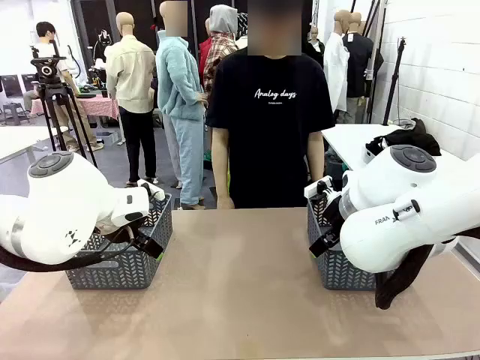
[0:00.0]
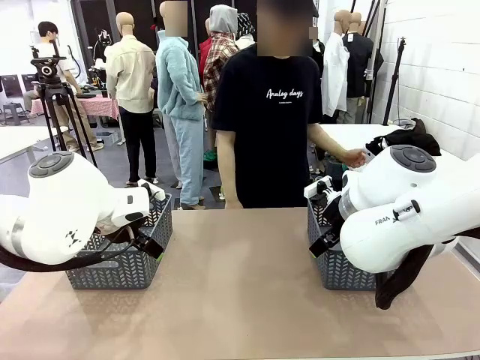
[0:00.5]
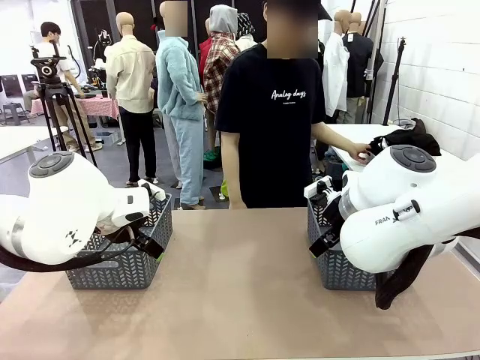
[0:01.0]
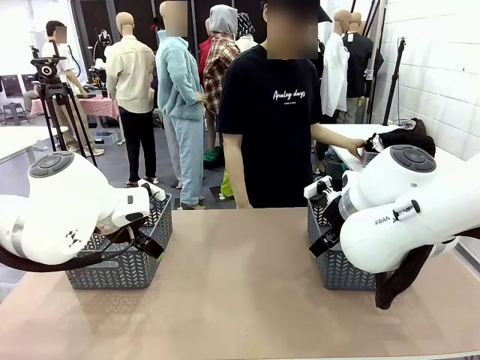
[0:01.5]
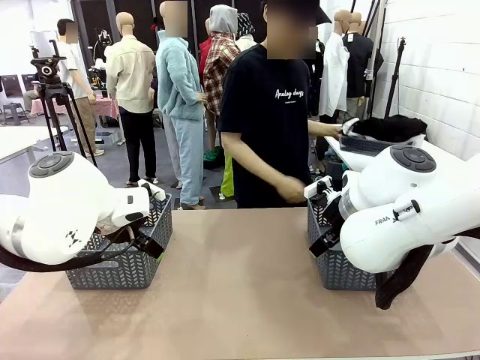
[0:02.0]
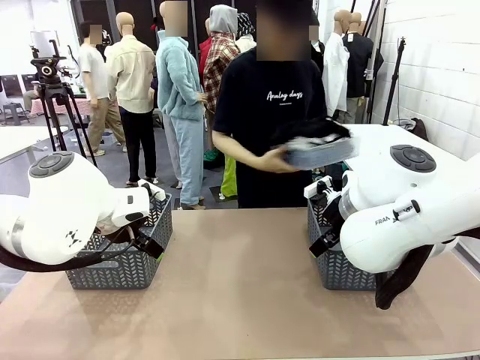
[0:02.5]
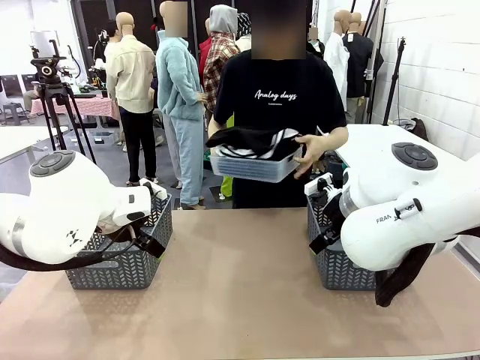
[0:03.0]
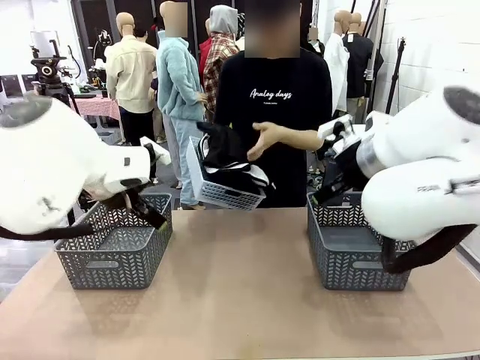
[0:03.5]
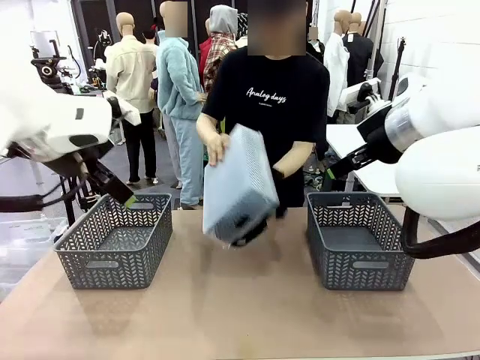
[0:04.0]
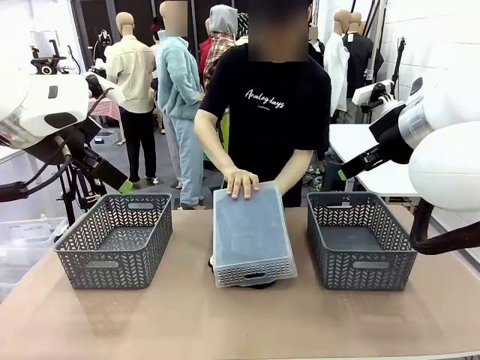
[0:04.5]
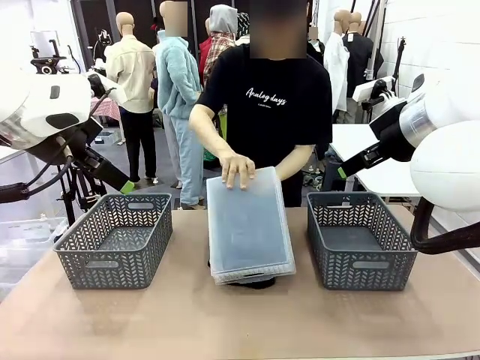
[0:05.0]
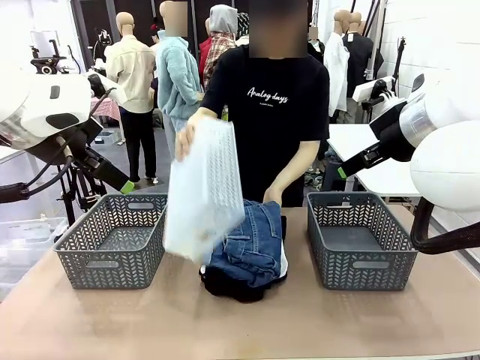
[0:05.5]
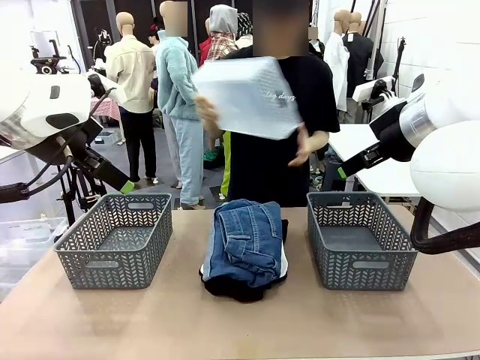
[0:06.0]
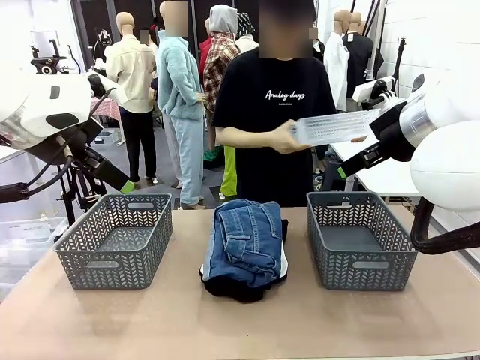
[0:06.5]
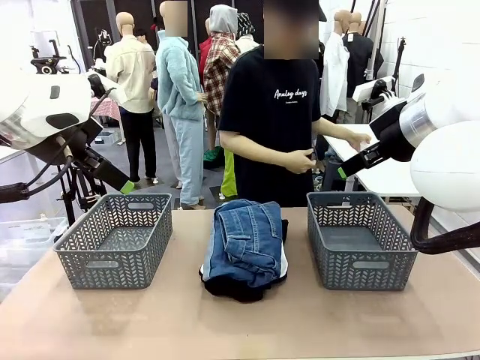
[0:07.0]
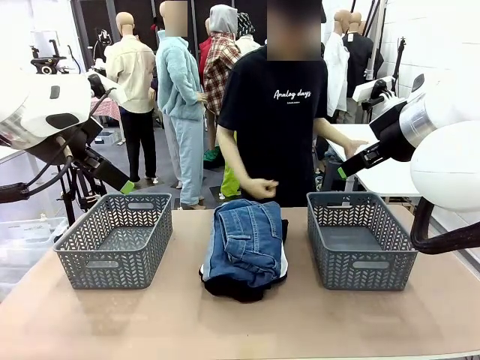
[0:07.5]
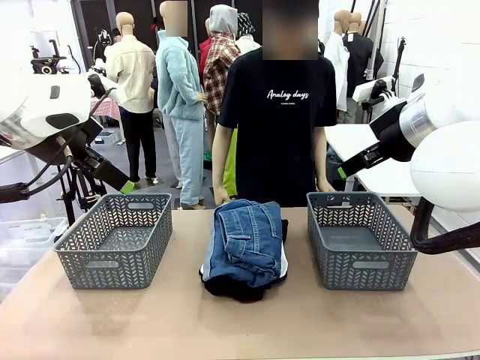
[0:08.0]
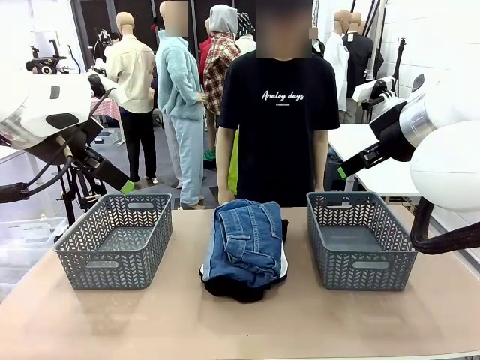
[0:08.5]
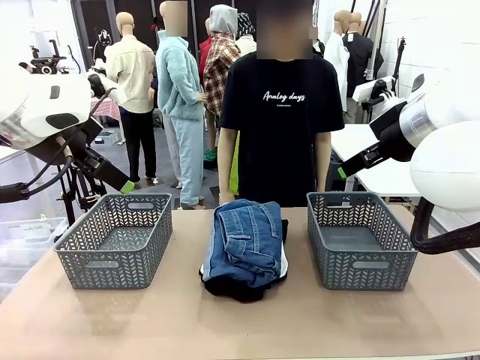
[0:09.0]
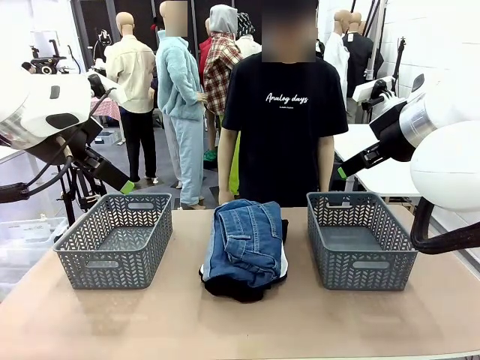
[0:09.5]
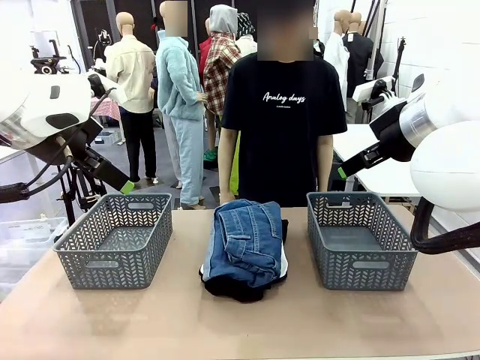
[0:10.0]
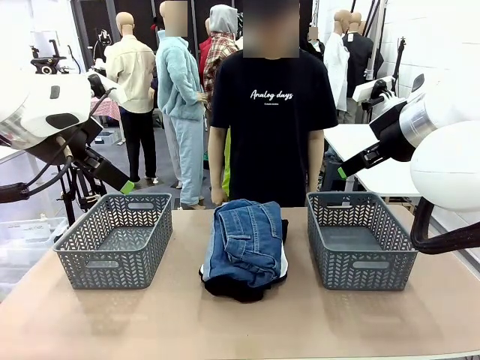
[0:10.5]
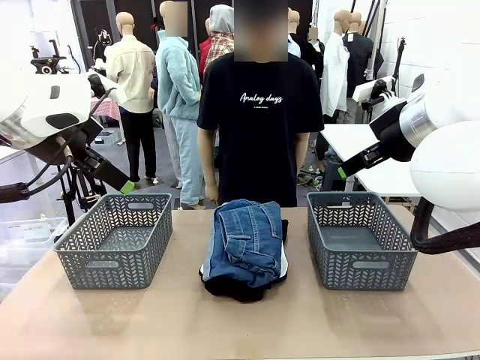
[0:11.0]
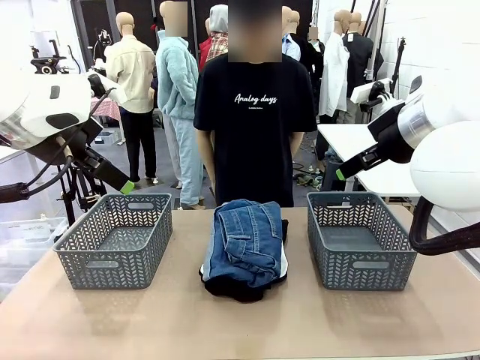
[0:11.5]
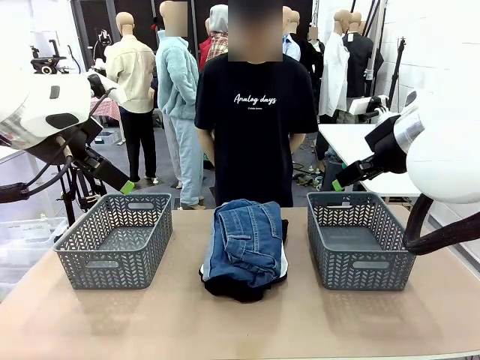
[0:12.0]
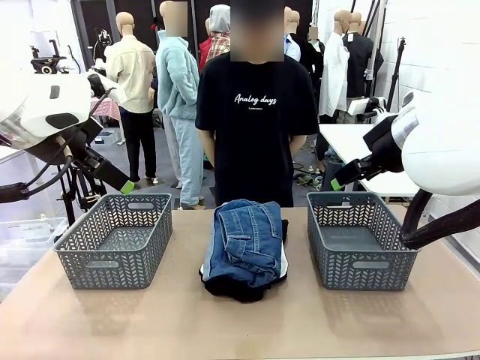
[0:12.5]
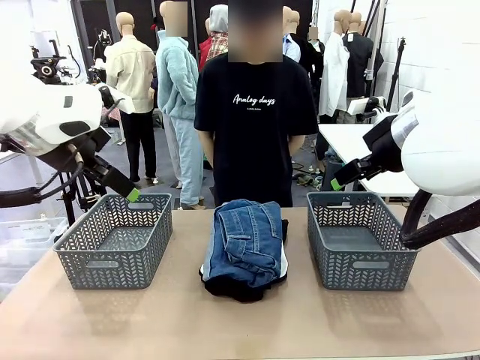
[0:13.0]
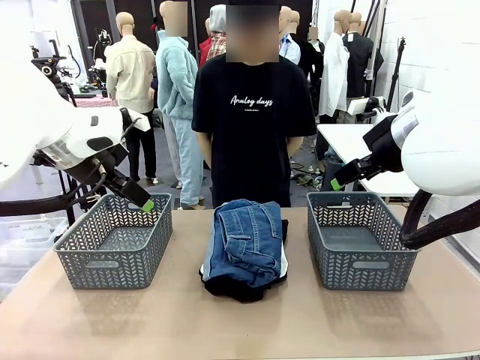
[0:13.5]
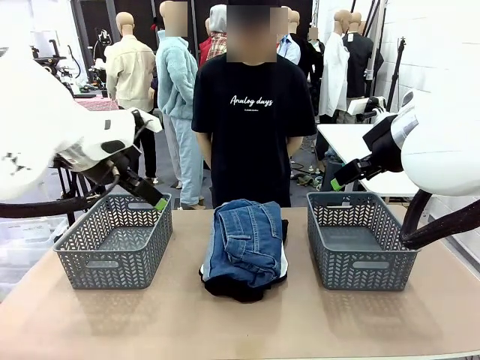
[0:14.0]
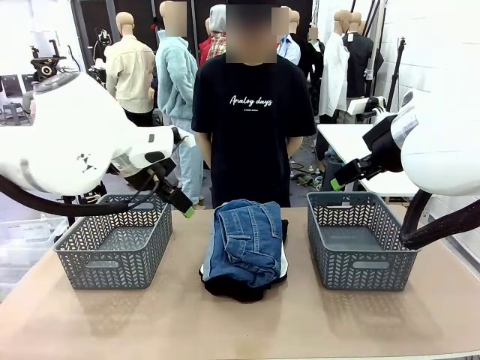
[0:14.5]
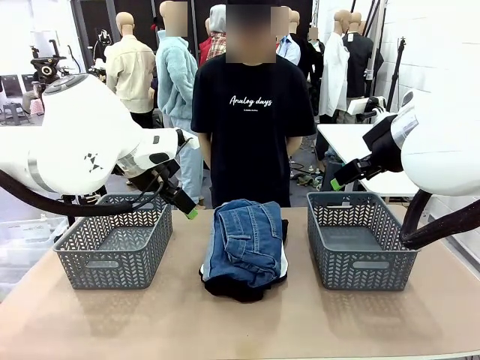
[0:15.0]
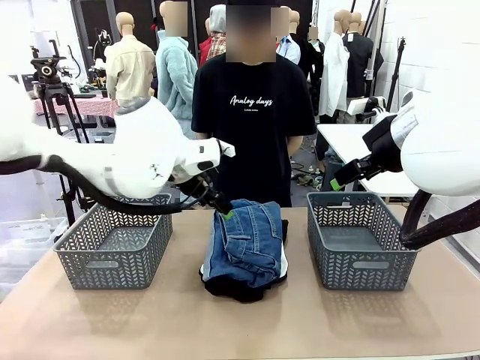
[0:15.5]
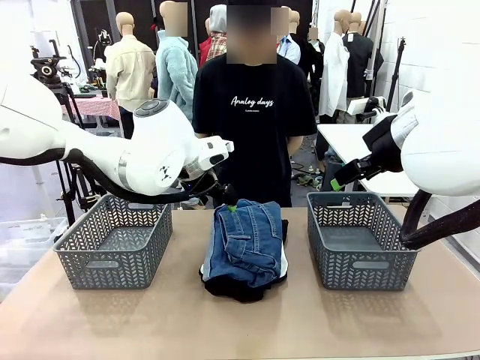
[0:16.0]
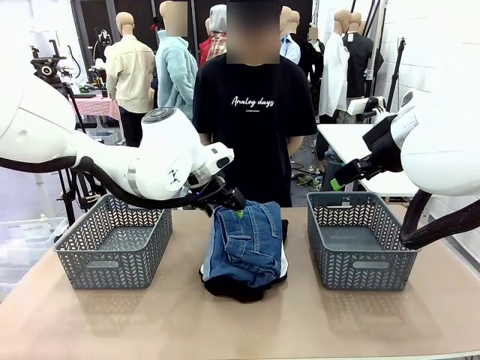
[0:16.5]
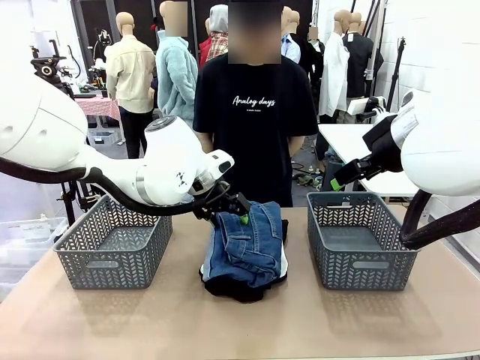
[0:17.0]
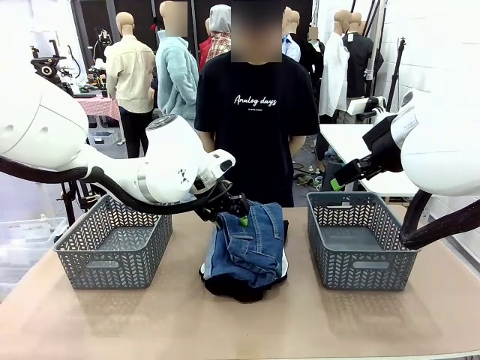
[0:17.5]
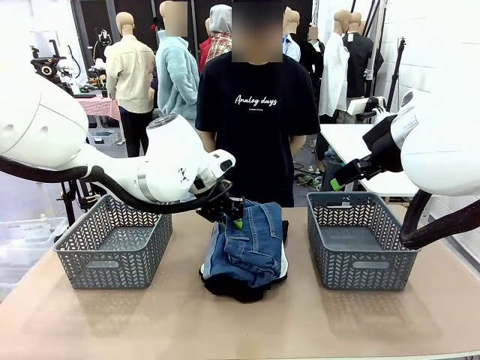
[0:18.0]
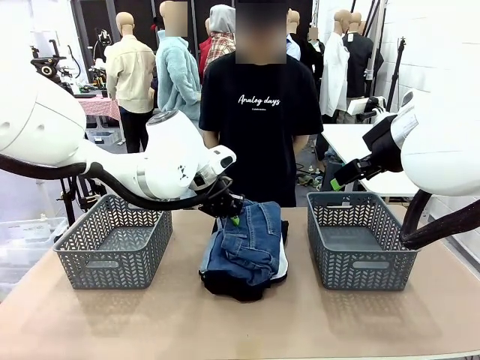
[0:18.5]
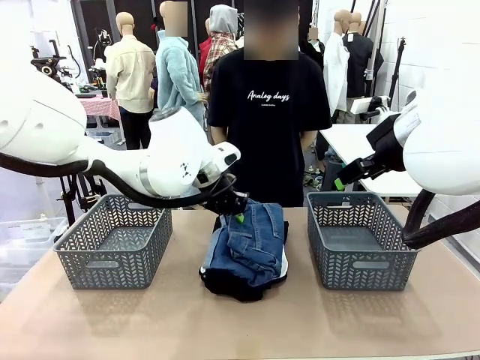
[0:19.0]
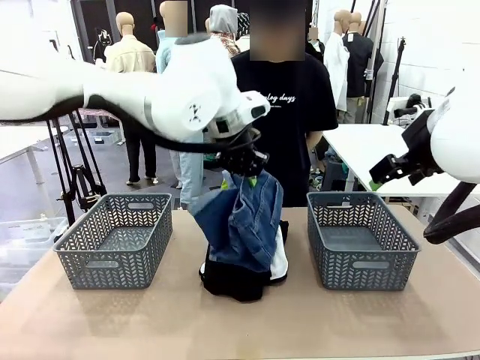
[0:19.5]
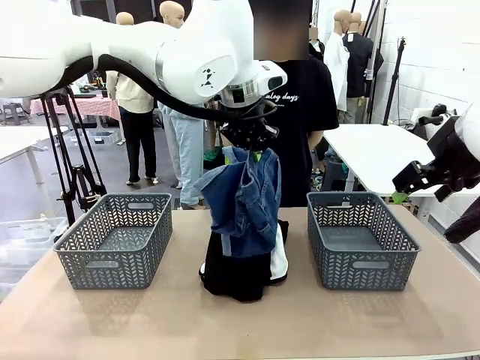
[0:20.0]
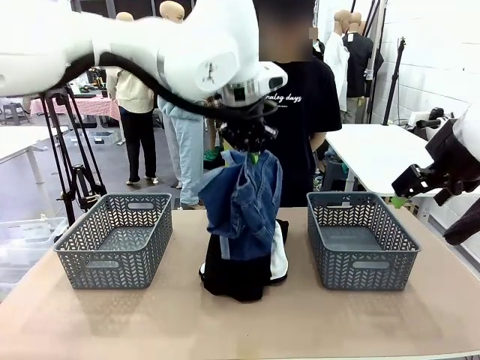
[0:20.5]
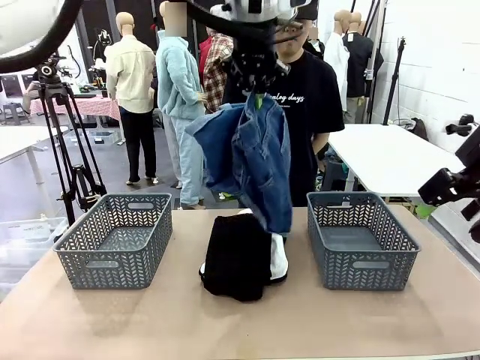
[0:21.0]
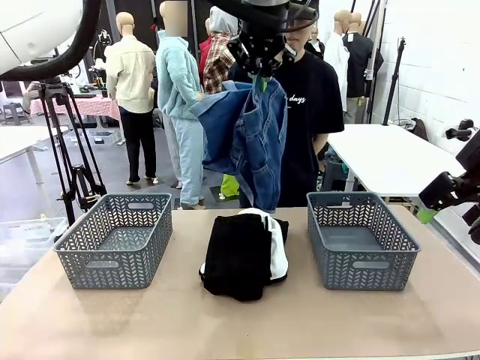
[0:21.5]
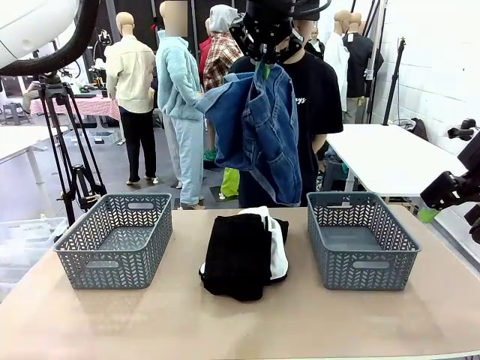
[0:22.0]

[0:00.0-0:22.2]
Task: Sort the tops and bottoms.
Robot: Lift clothes from the center of the table with your left hand.
Person: Pour the clothes from the basket onto the center of the robot table.
